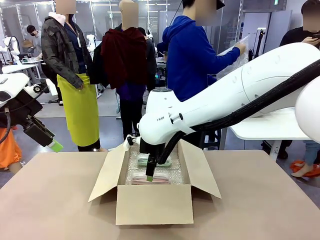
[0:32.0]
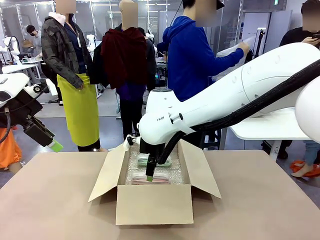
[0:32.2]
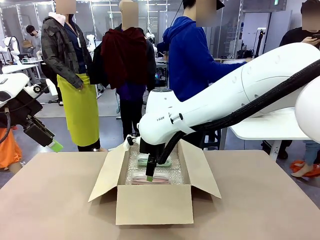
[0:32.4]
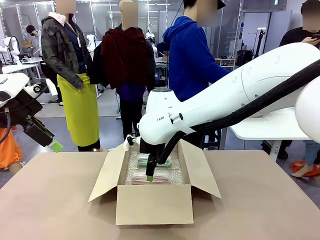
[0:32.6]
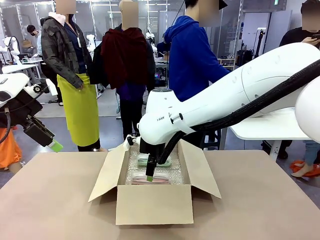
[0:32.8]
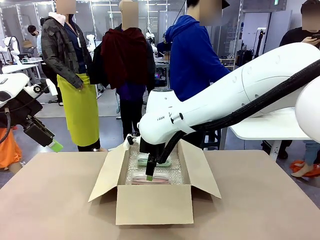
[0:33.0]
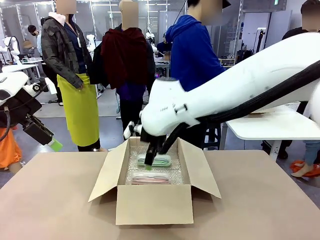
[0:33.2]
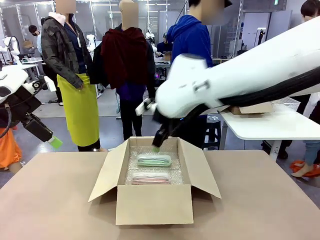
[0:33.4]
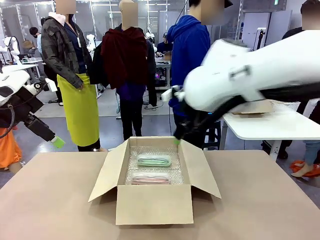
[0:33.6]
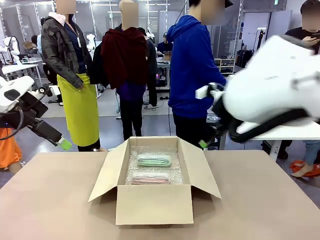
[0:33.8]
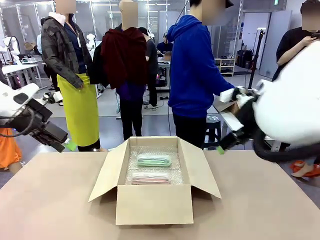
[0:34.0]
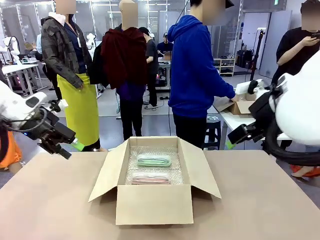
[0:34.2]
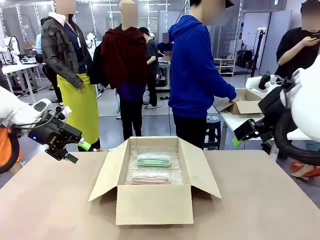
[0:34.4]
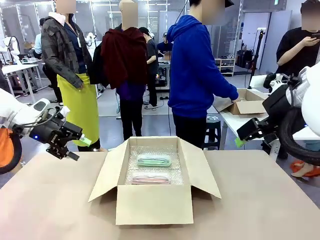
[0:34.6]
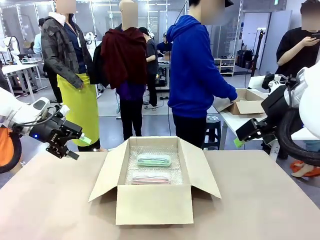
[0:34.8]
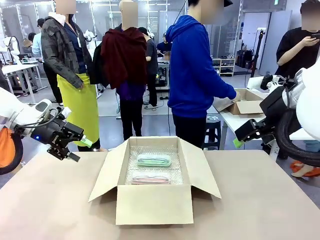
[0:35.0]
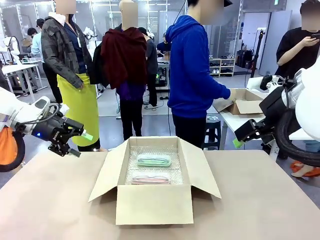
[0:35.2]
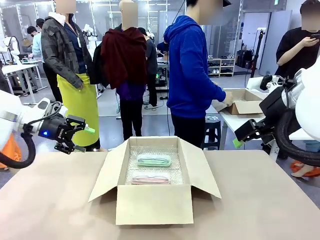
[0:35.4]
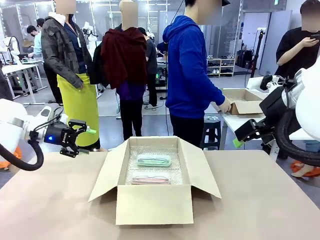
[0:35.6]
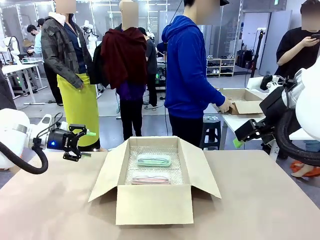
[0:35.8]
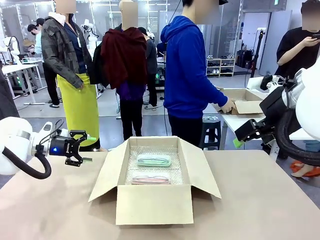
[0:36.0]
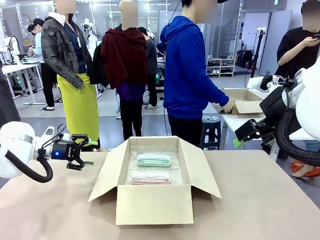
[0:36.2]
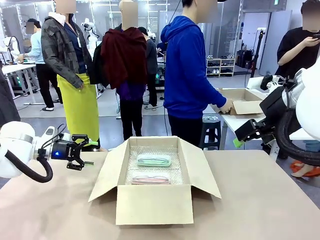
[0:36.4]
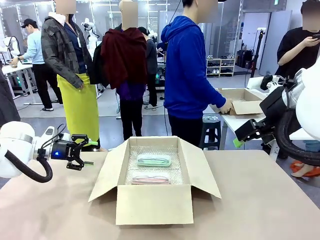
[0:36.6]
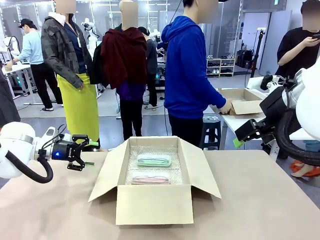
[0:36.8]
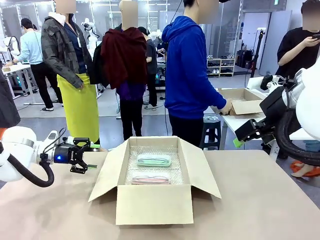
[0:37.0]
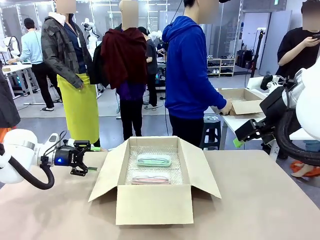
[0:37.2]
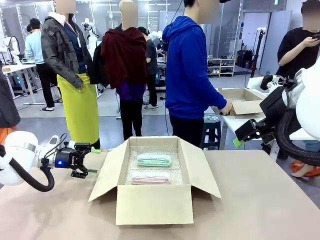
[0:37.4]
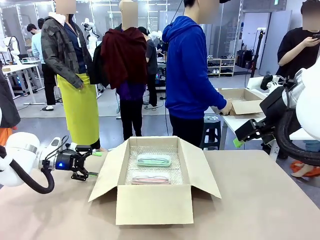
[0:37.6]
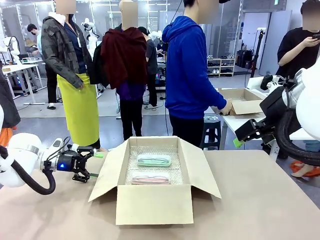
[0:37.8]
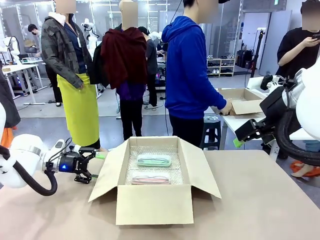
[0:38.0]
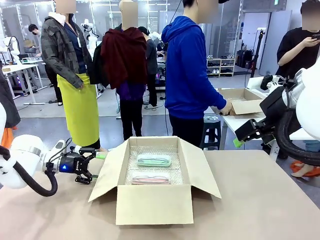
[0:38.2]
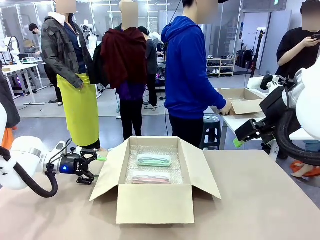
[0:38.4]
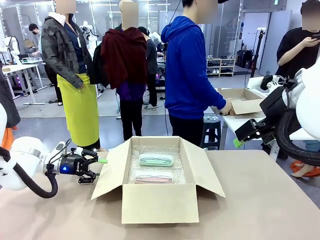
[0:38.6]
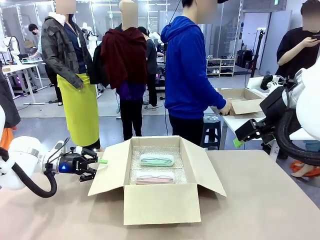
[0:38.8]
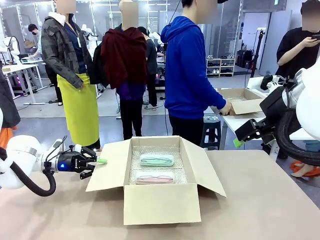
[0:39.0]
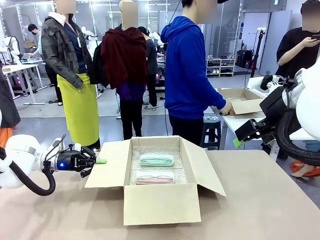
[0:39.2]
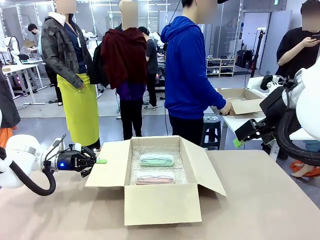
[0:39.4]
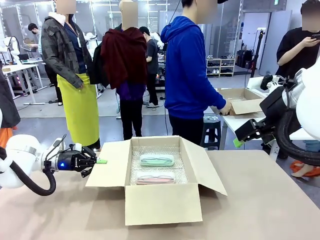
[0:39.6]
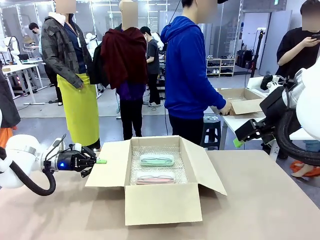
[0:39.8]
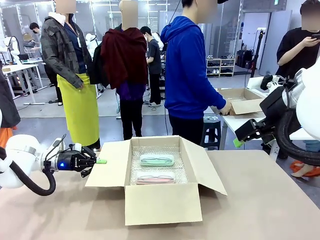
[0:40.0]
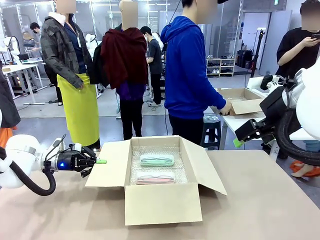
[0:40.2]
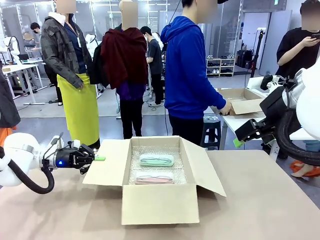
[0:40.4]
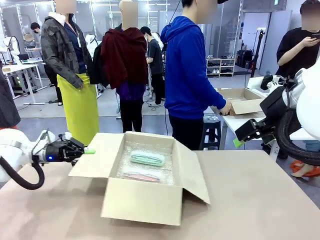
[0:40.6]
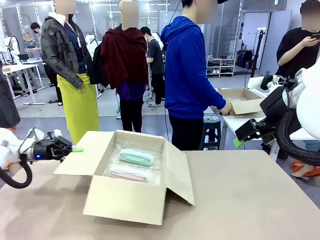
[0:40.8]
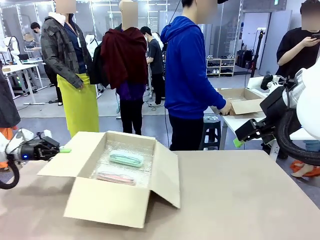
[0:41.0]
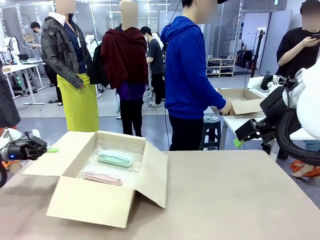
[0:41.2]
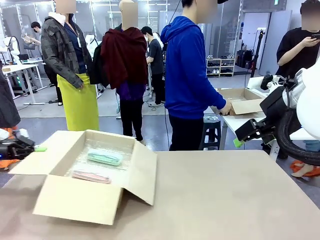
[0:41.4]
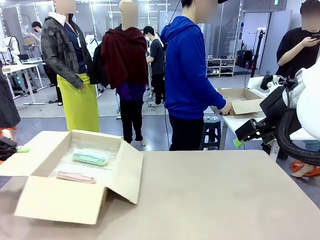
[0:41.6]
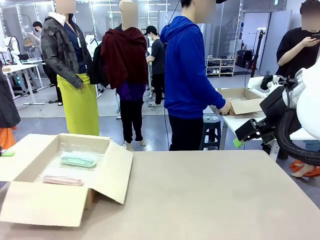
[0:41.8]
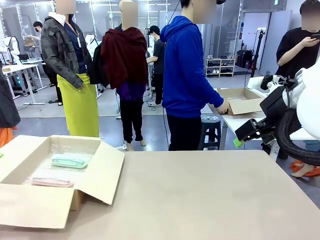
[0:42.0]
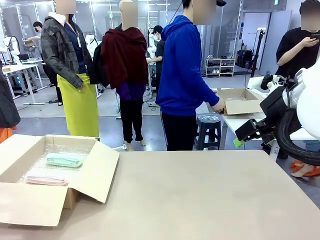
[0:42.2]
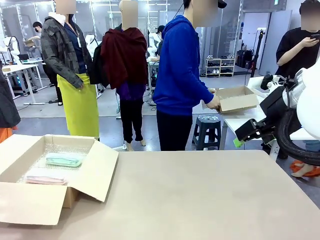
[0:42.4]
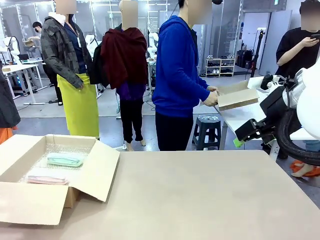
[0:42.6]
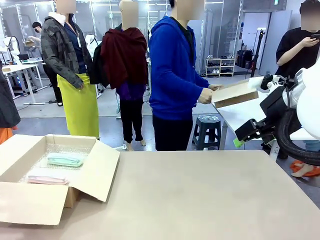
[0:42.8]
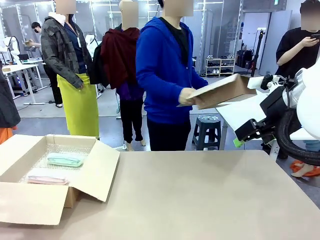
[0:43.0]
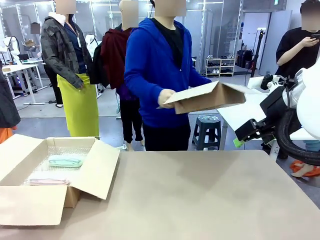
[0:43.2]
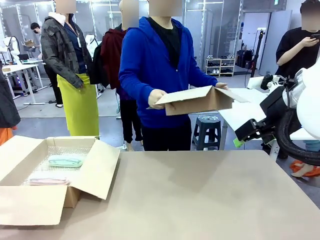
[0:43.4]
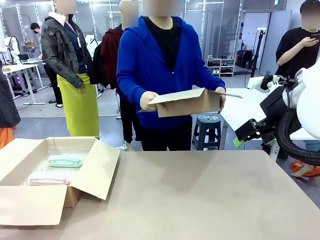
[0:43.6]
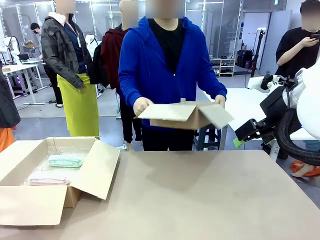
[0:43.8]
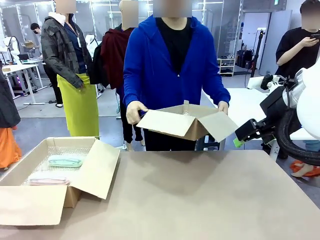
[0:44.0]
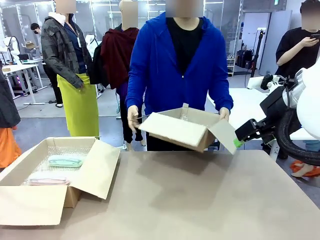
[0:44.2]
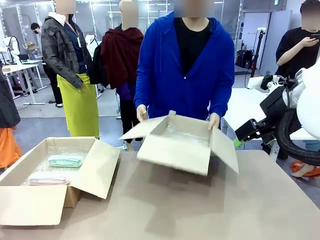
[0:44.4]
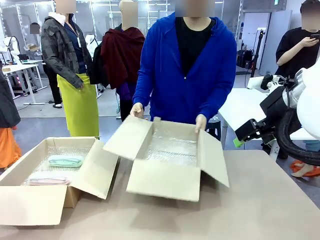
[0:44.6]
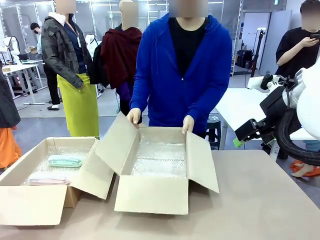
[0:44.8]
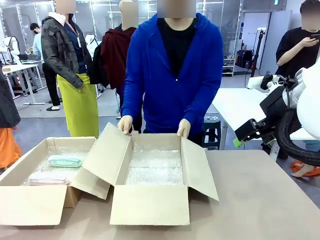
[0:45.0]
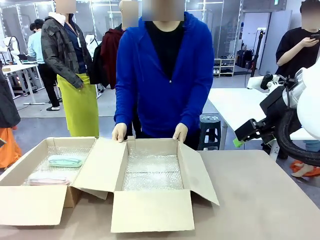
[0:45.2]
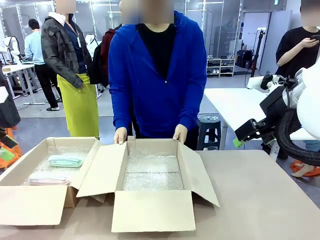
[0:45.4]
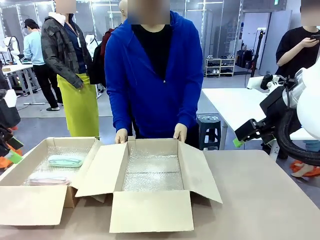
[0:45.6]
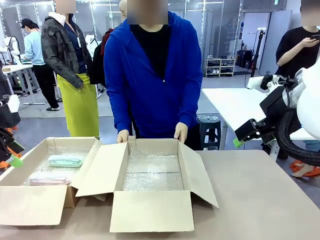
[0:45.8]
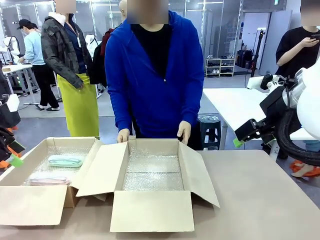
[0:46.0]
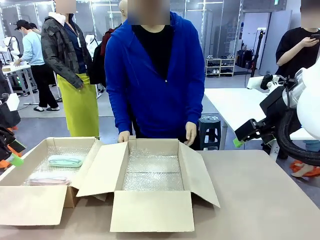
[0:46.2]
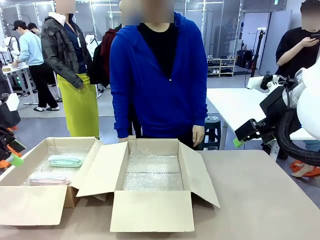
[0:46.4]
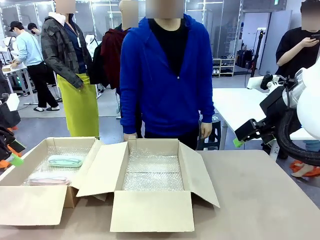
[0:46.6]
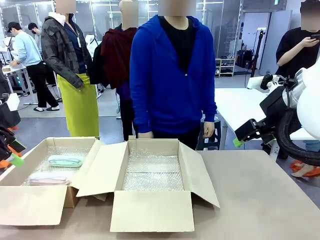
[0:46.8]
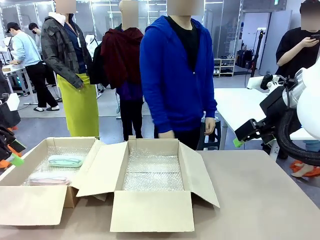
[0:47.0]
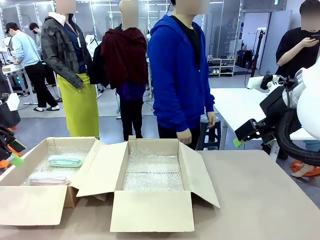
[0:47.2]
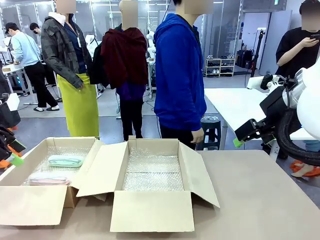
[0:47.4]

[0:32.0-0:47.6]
Task: Pack the glasses set securely to prepare it for shipping.
Robot: Position the Package Box on the left side of the table.
Person: Position the empty Package Box in the middle of the robot's table.

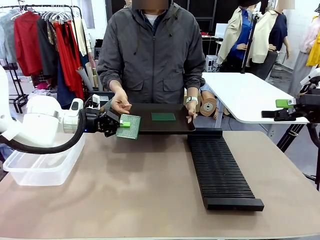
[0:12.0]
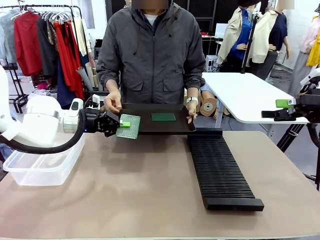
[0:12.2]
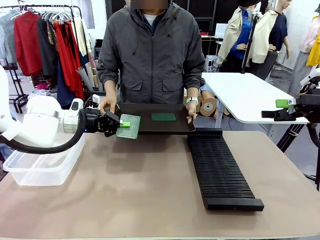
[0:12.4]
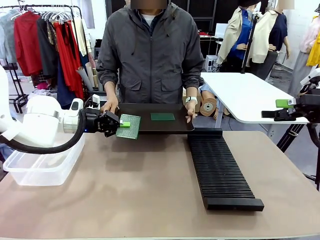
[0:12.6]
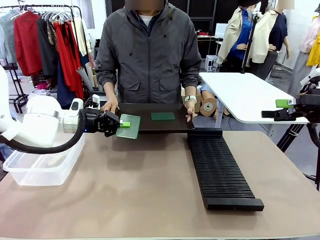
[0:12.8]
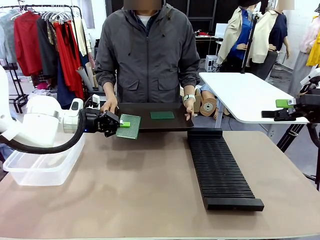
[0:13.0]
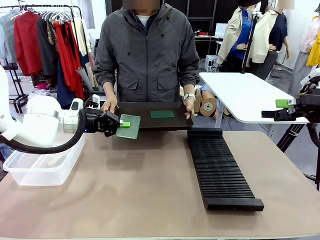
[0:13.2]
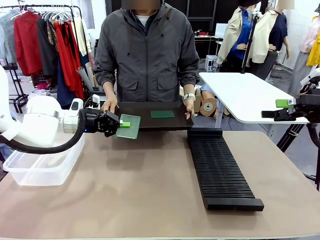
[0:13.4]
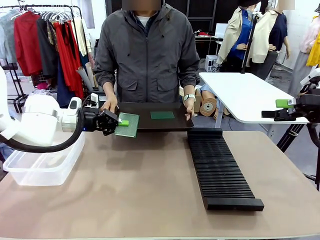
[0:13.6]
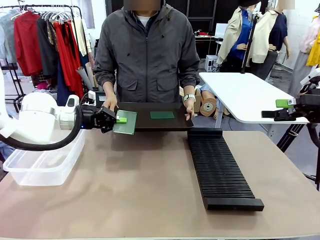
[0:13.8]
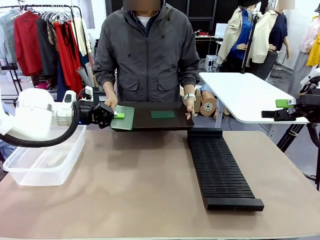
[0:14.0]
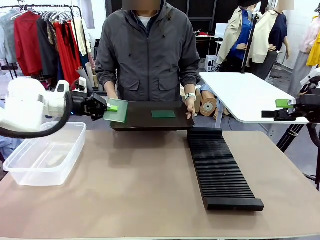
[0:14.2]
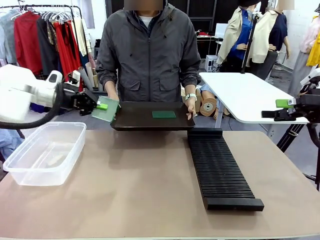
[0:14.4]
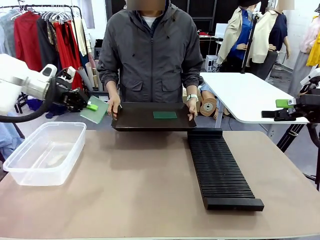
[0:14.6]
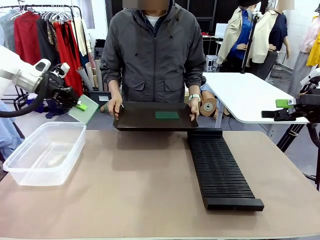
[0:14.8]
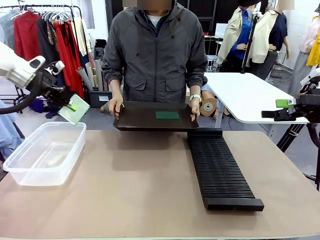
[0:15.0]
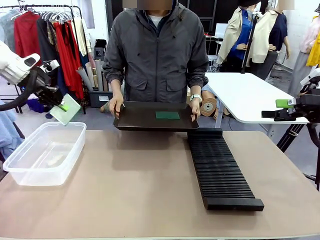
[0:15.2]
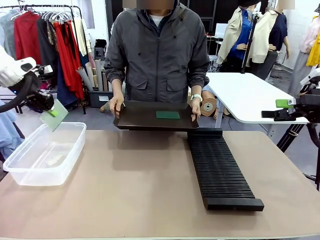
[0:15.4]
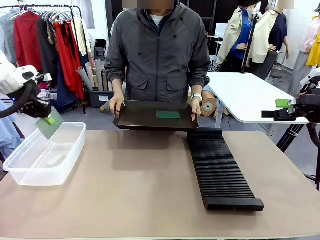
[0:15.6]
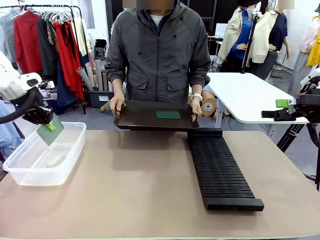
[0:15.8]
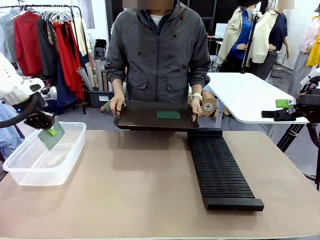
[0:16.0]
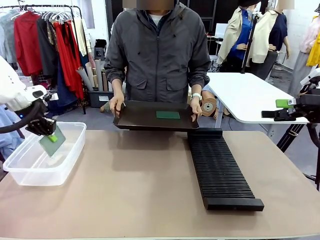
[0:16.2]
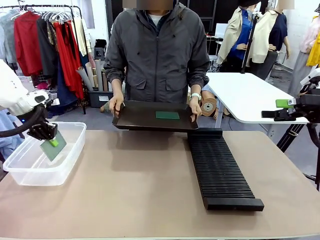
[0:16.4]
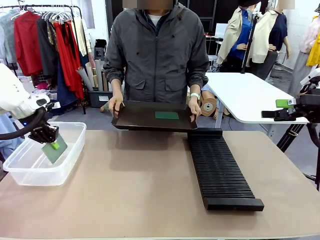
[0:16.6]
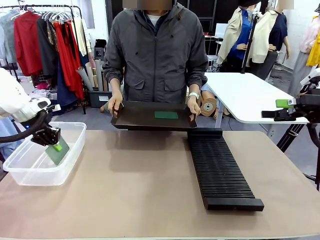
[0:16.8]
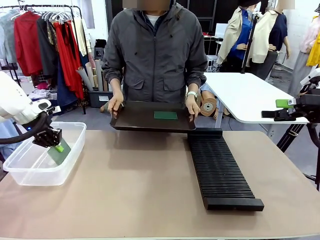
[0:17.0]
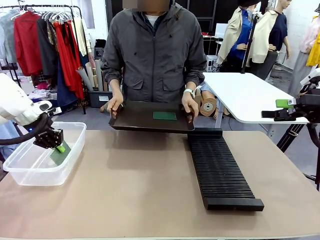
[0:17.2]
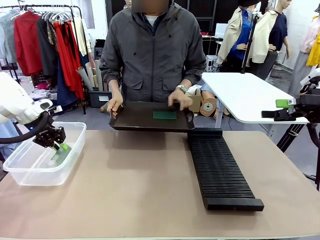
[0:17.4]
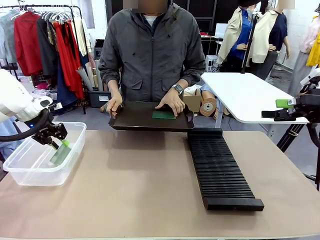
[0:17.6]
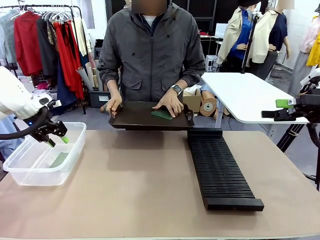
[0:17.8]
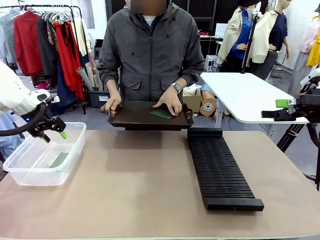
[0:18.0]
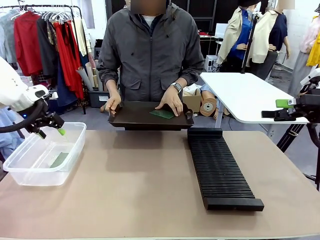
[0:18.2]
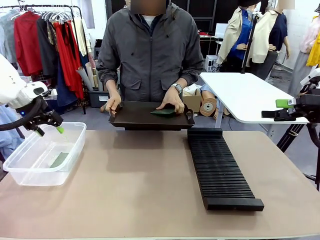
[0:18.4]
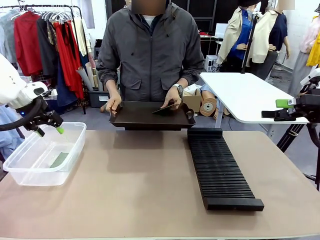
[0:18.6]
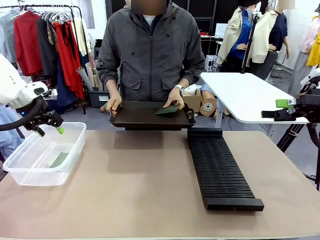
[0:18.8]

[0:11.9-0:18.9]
Task: Sort PCBs into racks and boxes based on the side picked up.
Robot: If the short side of the Blank PCB is picked up, insert it into the PCB Rack ; if the long side is picked up, place it in the Organizing box.
Person: Pick one PCB from the tray and present it to the robot.
